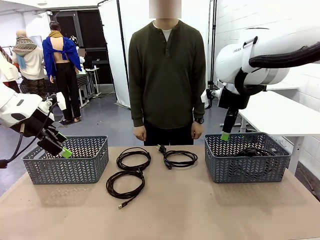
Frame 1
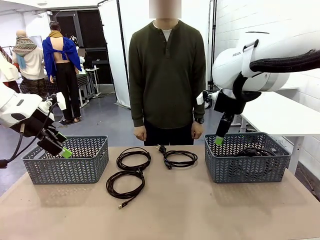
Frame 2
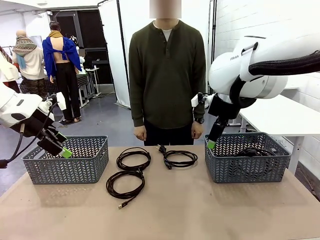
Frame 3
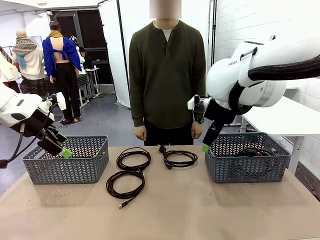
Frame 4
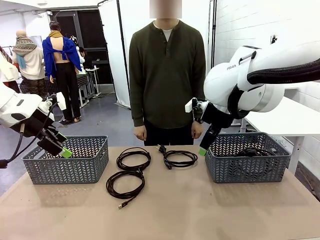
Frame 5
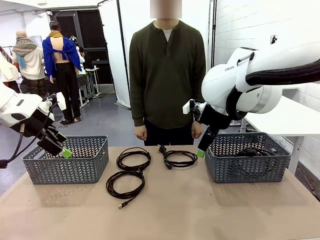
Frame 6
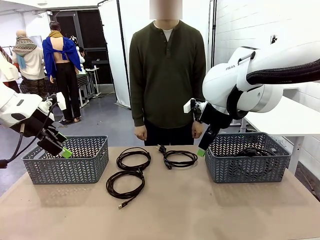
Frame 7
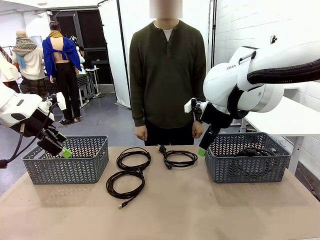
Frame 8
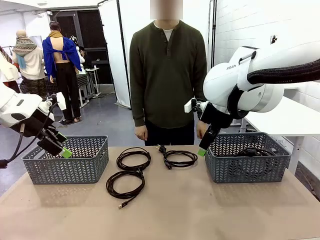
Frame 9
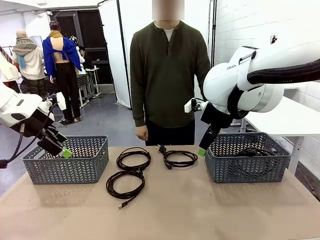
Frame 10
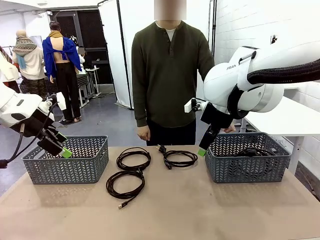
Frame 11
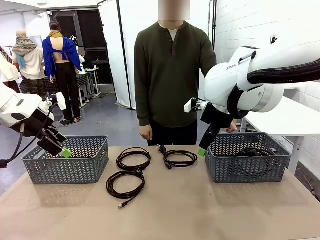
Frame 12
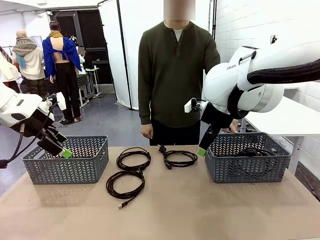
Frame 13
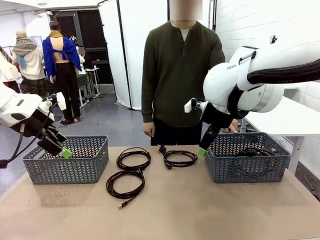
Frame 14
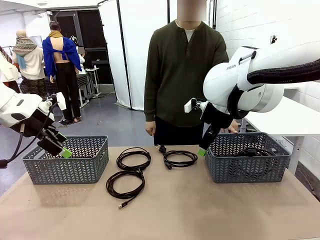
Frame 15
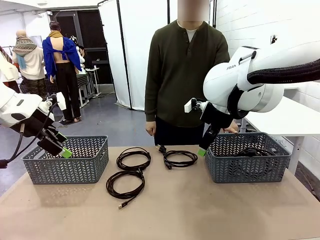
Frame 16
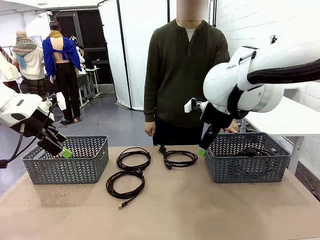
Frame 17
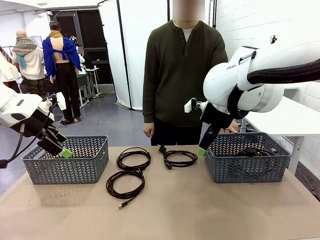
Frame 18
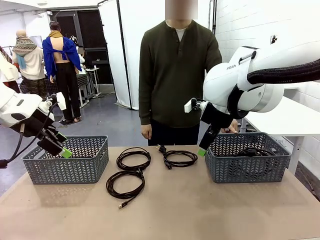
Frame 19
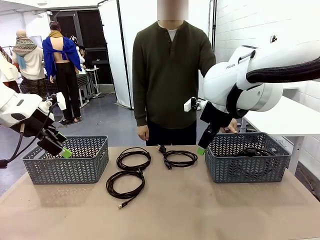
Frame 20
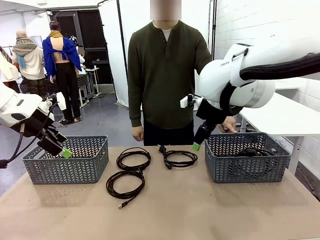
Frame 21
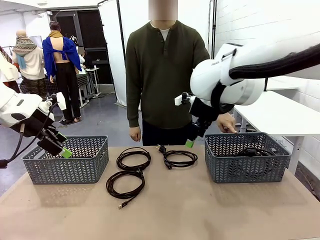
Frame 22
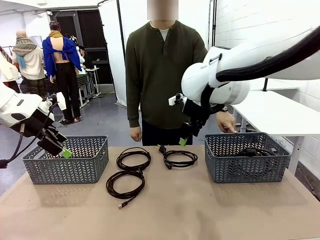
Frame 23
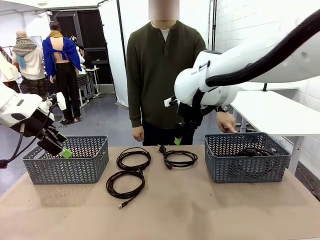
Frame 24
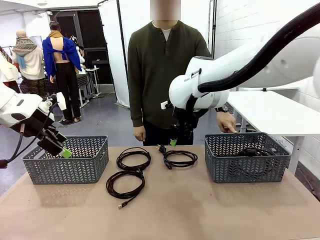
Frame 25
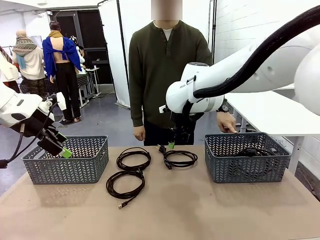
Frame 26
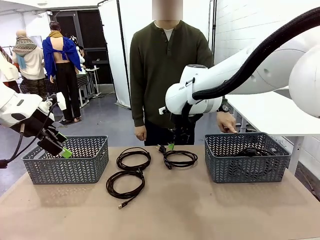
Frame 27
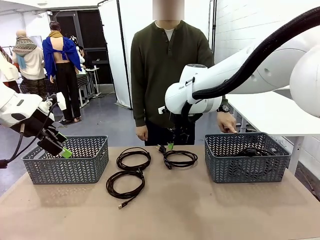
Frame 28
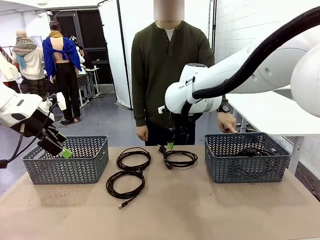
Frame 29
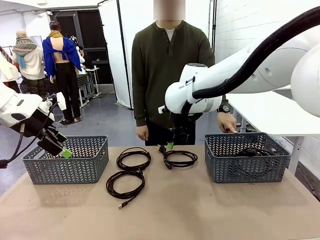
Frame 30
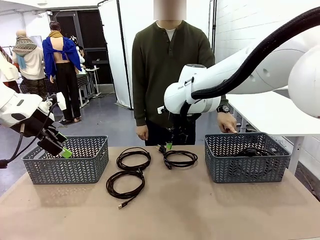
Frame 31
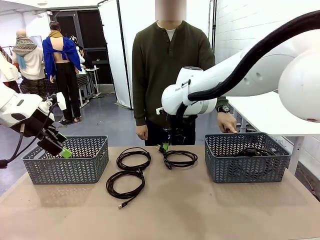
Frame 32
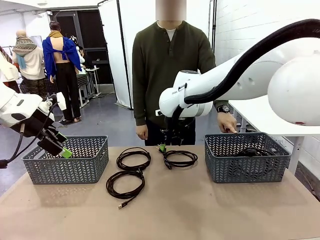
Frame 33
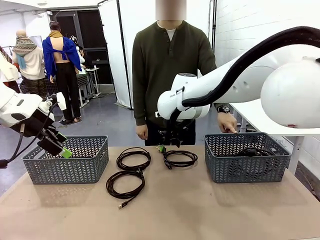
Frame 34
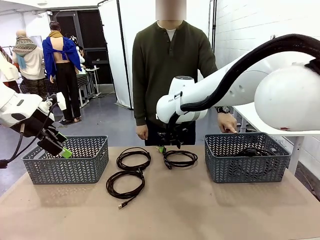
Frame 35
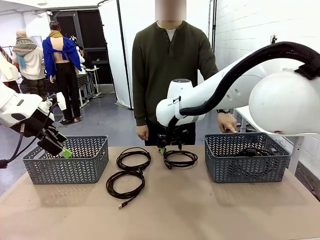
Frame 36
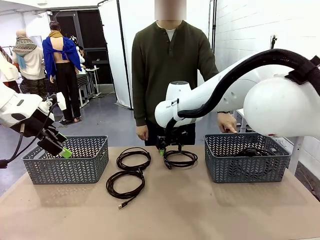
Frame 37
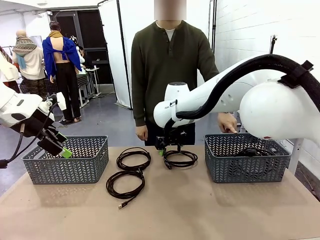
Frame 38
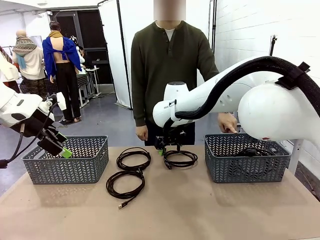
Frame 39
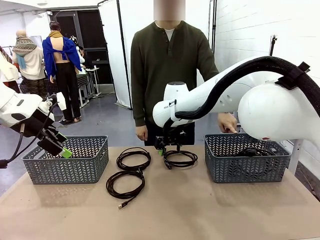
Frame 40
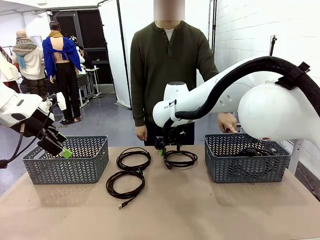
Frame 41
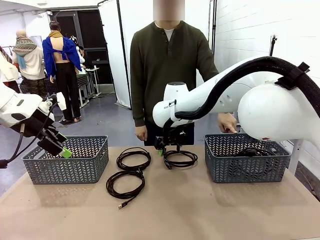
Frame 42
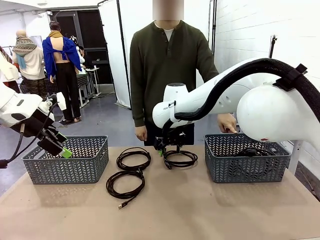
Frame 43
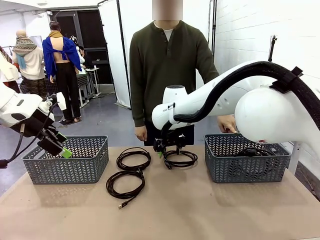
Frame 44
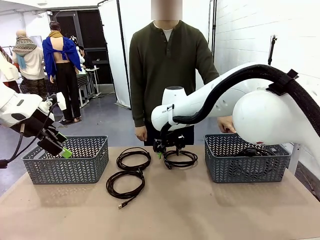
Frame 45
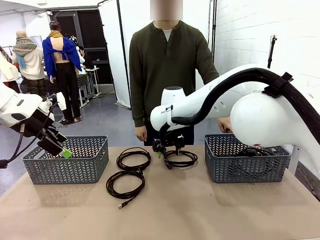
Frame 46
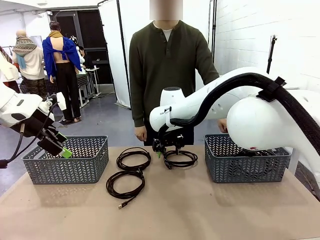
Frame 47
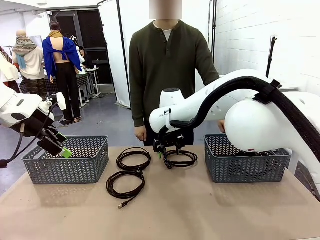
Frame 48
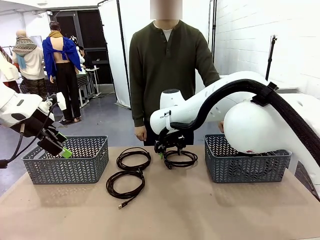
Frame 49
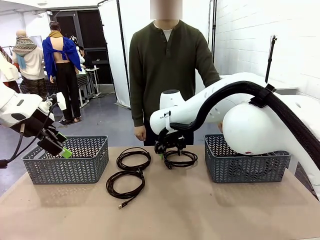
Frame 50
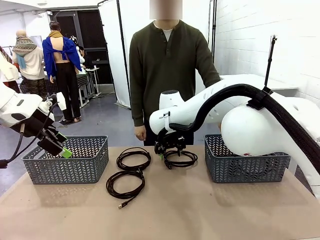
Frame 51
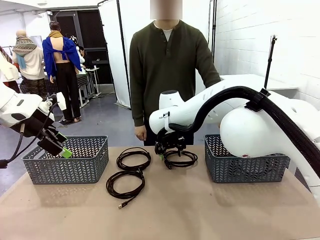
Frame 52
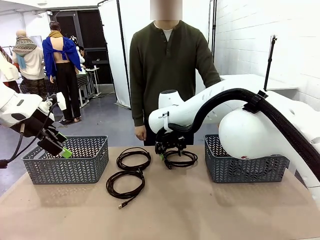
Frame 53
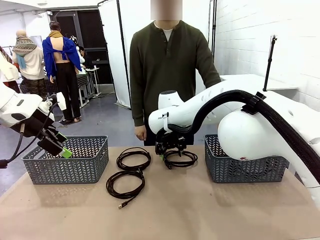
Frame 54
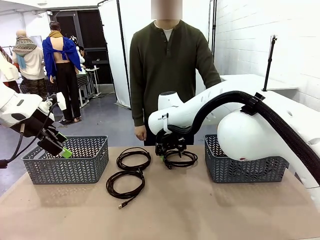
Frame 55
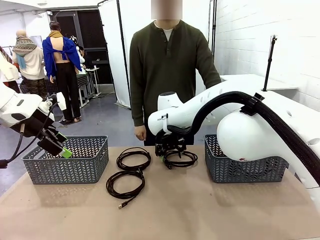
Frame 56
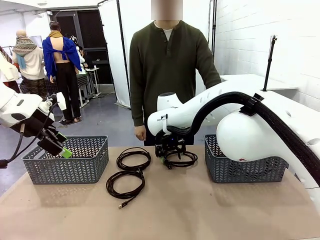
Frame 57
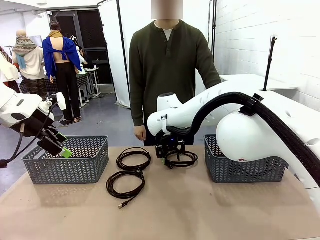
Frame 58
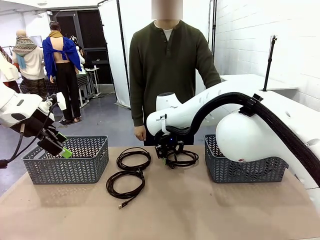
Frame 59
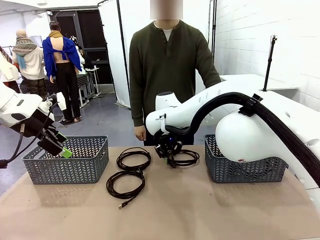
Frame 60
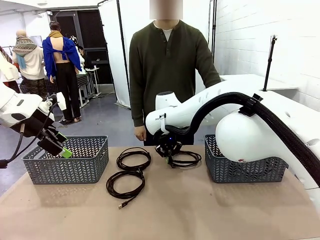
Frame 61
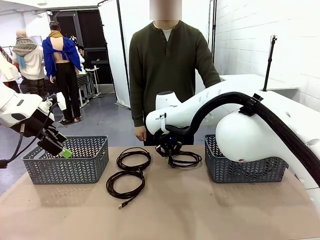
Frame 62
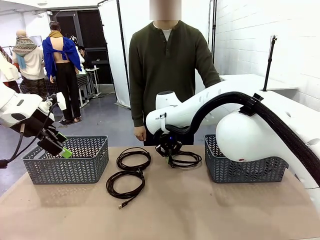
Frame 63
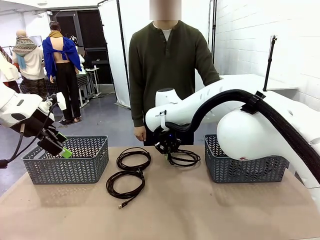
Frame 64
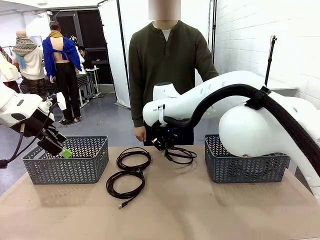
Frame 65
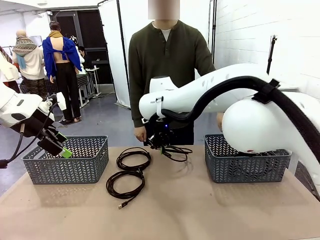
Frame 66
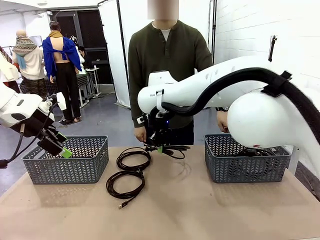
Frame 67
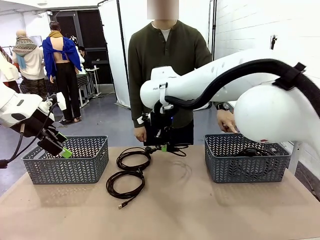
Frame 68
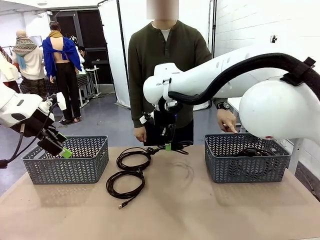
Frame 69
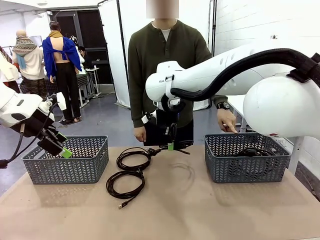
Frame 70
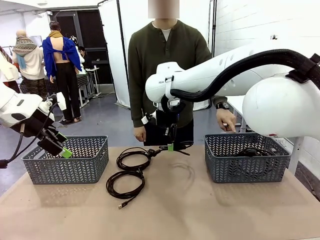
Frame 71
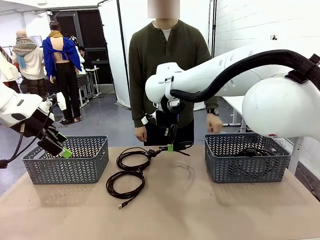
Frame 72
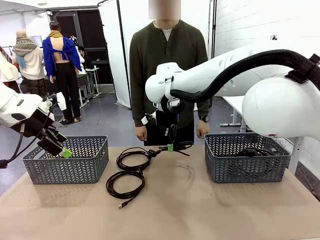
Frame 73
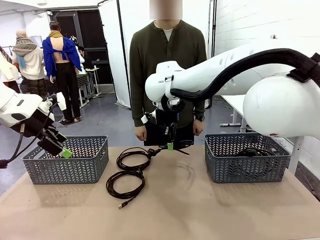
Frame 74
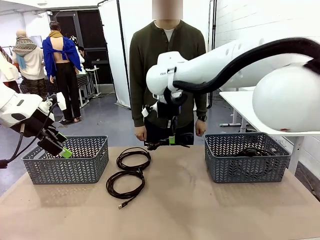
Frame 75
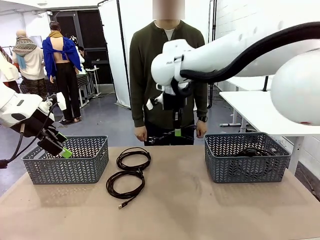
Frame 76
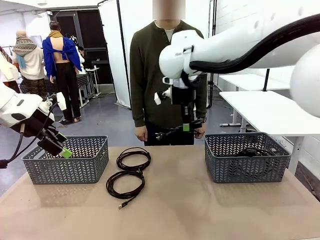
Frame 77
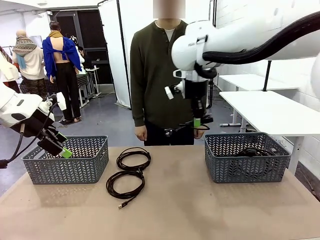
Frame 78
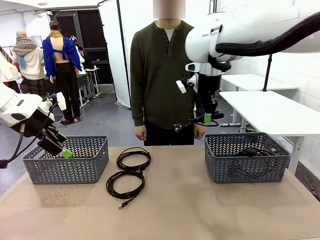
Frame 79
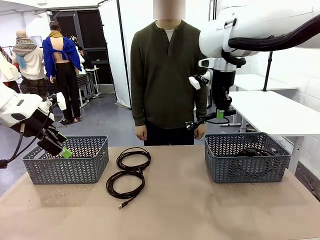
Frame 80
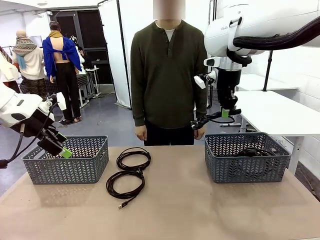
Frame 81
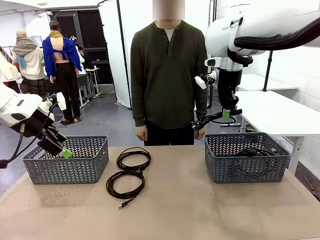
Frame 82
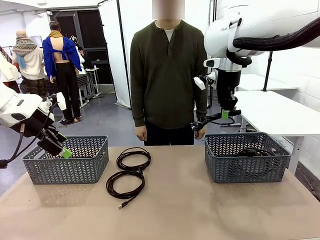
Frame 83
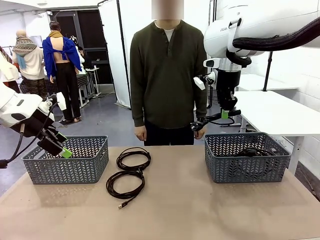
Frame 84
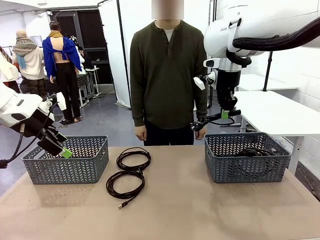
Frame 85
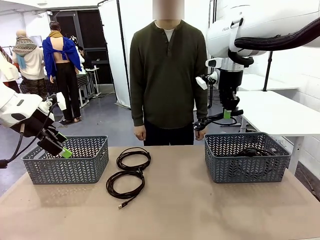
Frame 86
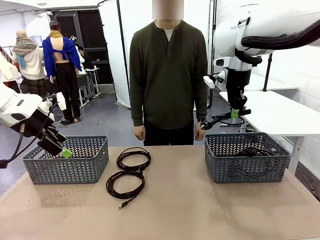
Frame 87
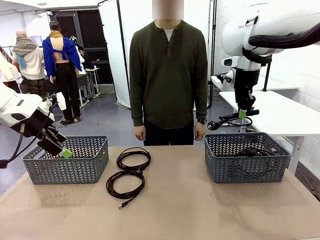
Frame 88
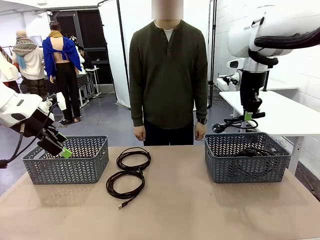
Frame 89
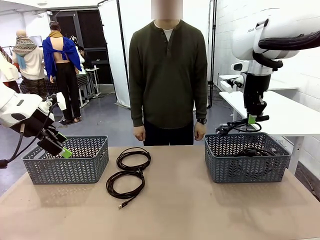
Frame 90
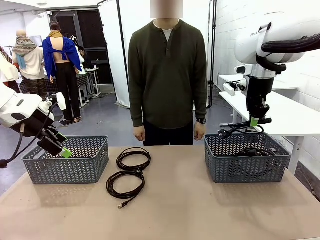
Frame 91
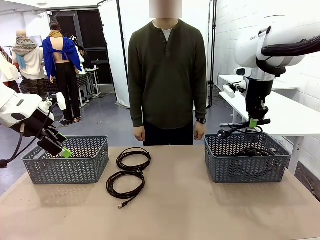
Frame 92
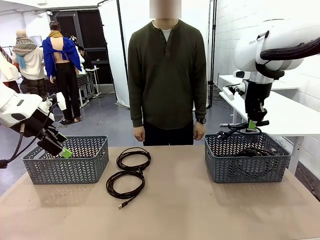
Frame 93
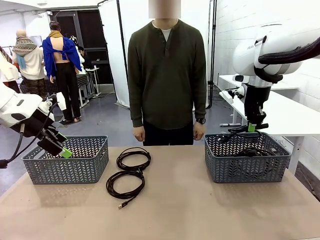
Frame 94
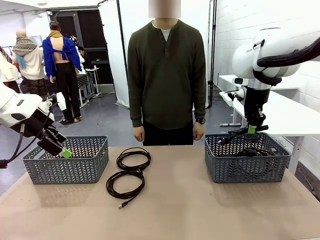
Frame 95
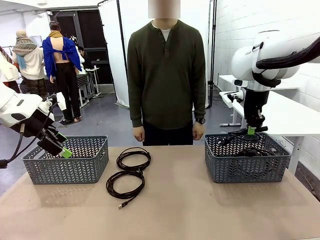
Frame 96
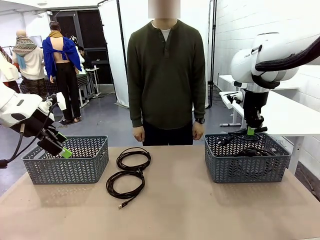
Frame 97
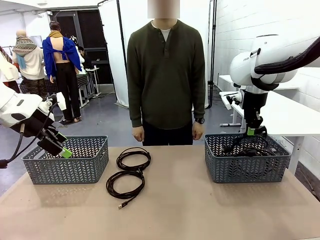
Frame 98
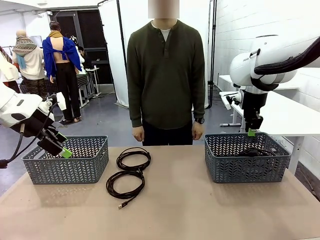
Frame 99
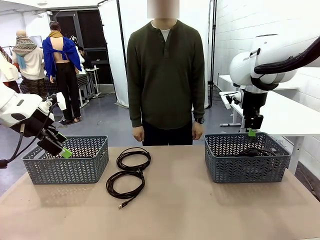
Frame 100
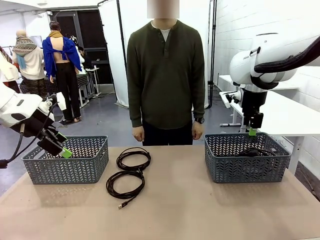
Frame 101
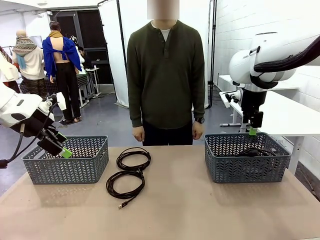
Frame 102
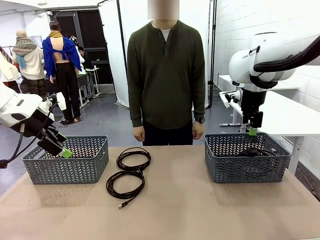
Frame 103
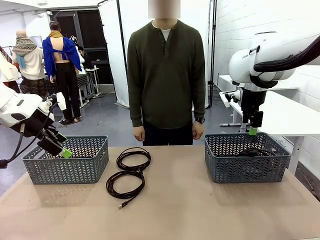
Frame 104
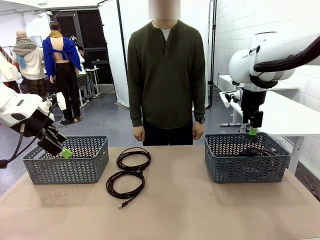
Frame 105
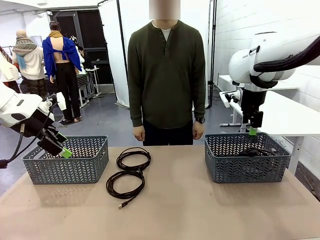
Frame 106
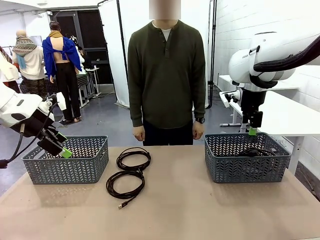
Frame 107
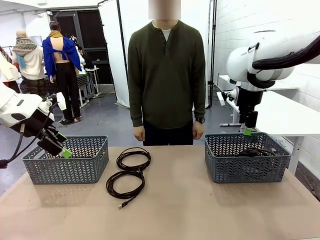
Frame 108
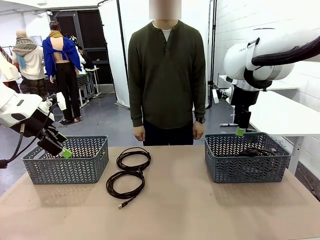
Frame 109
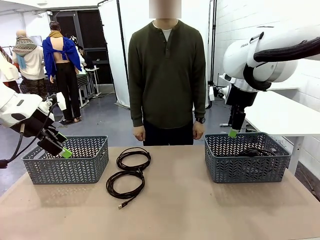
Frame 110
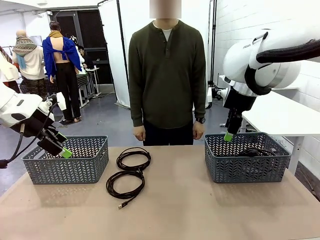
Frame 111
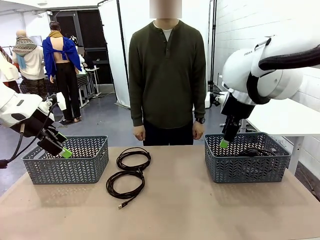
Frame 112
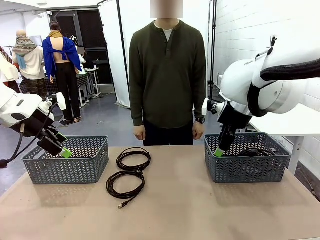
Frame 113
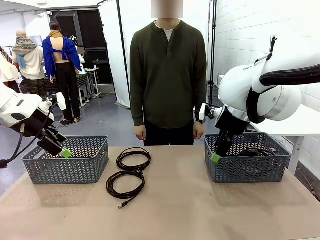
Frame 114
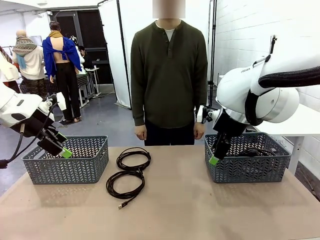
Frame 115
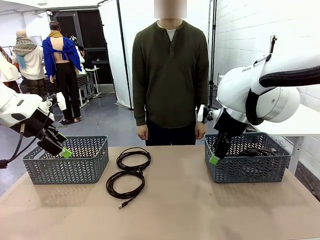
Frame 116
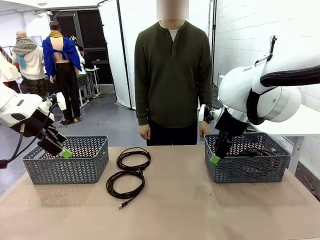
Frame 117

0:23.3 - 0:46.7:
Task: Organize the cables according to human instructions.
Robot: Pick up a bundle of cables and place it in the basket indicated by the human.
